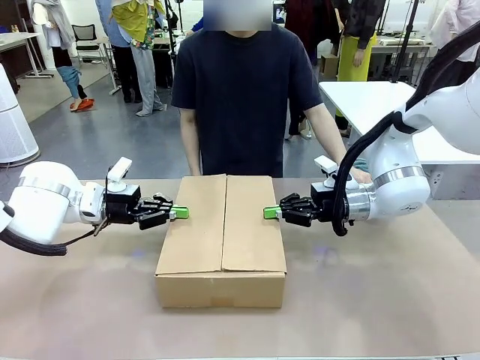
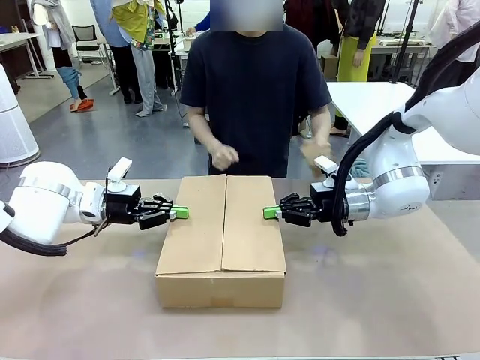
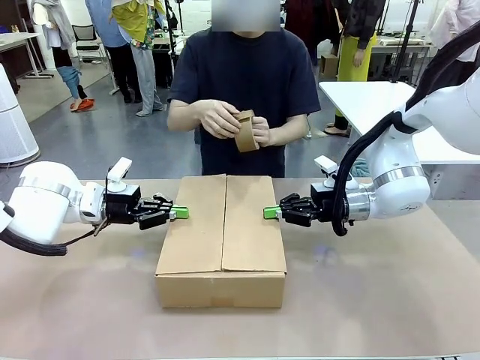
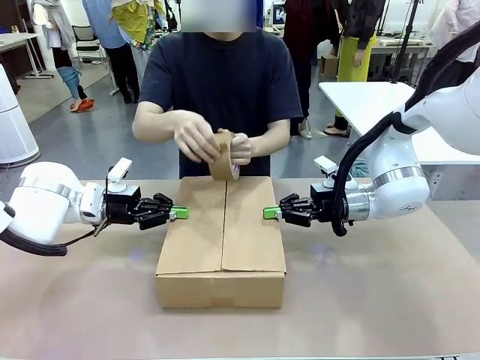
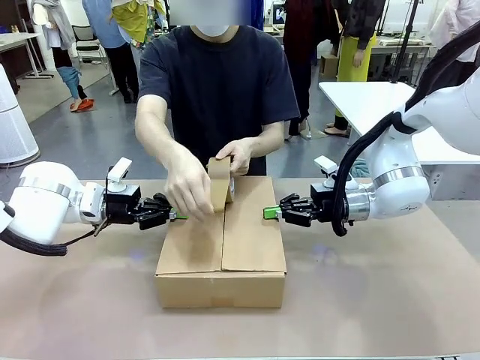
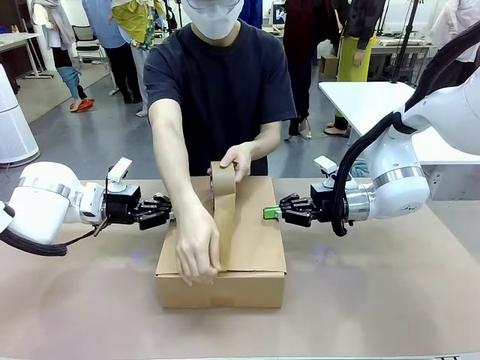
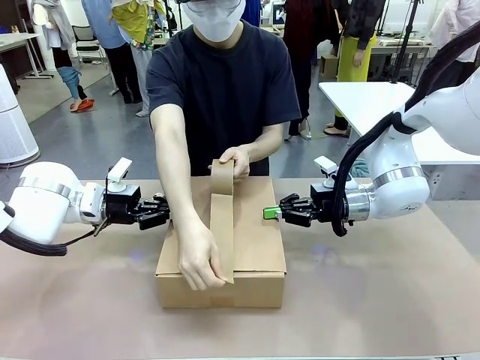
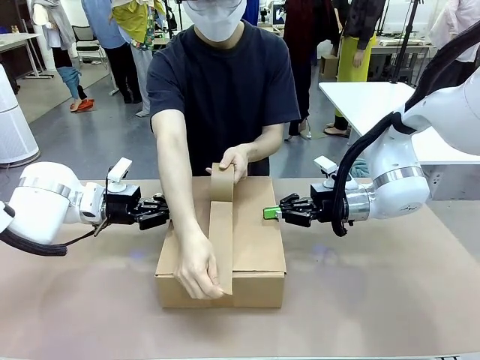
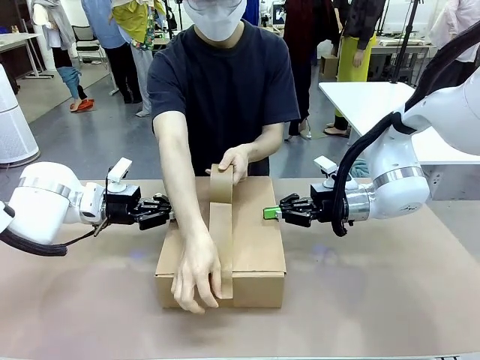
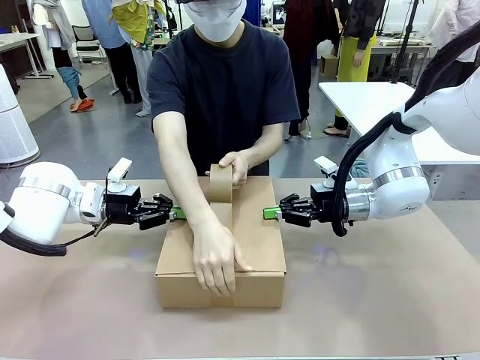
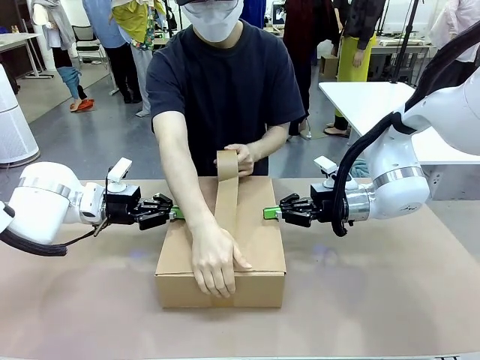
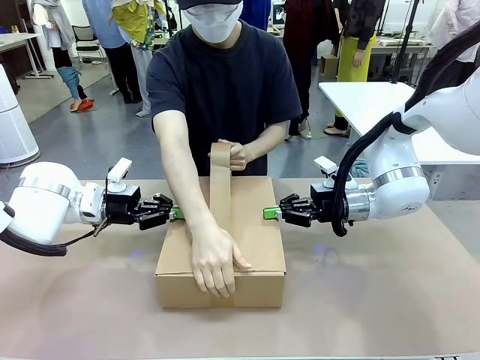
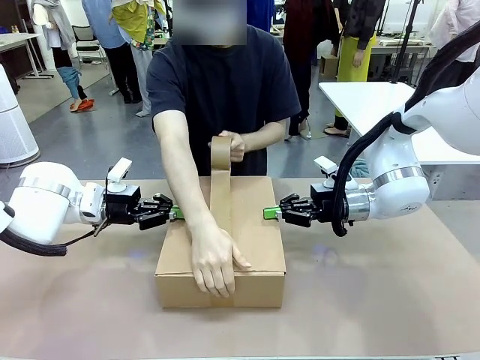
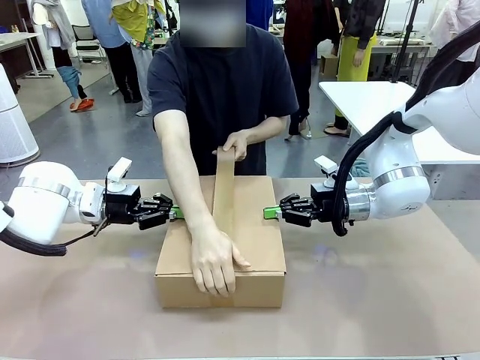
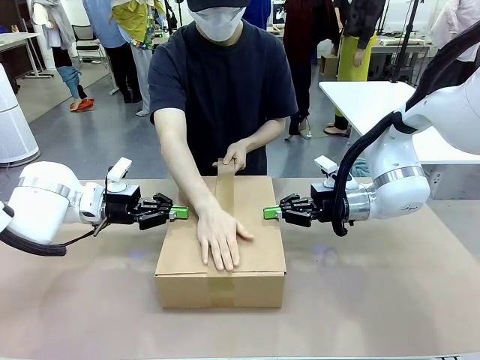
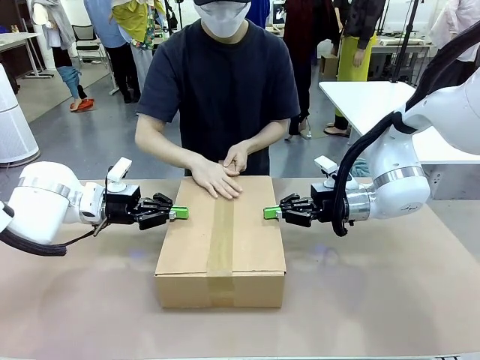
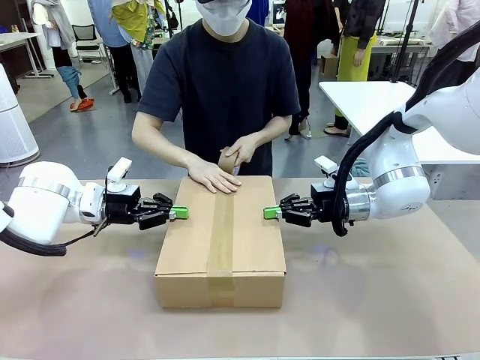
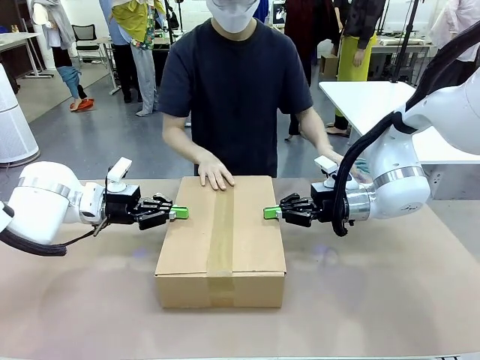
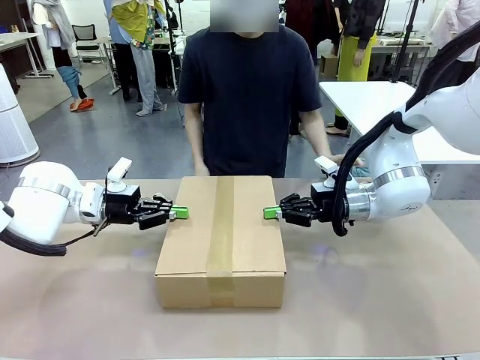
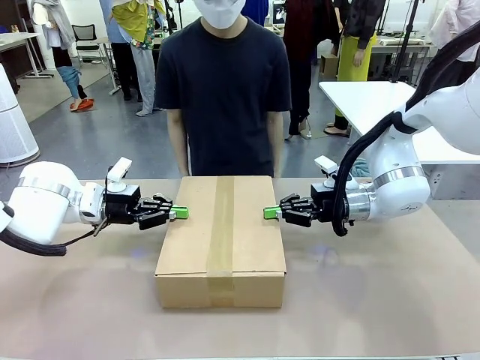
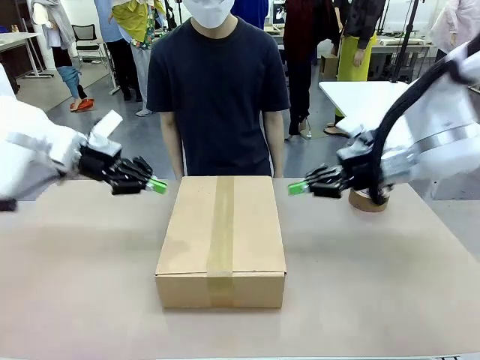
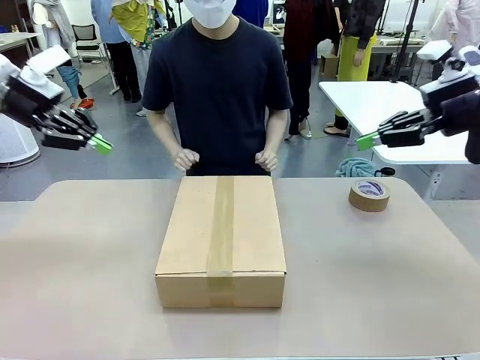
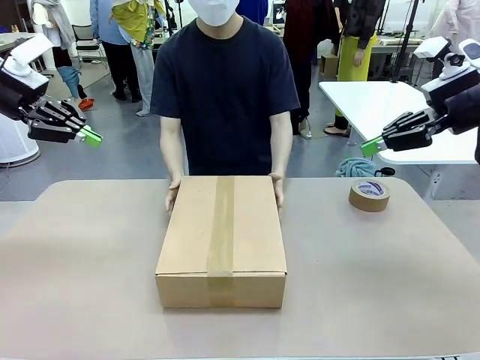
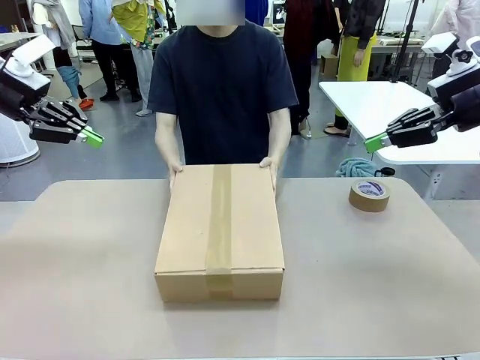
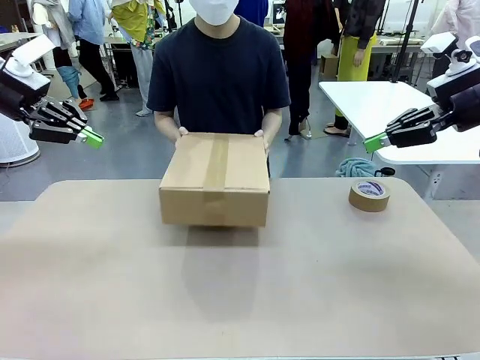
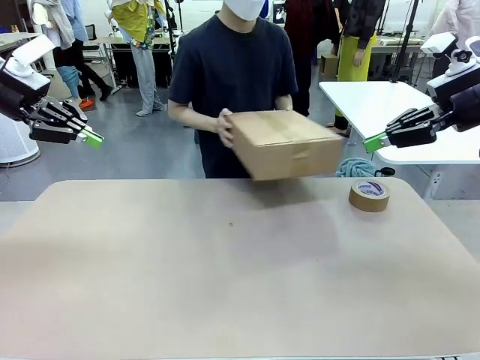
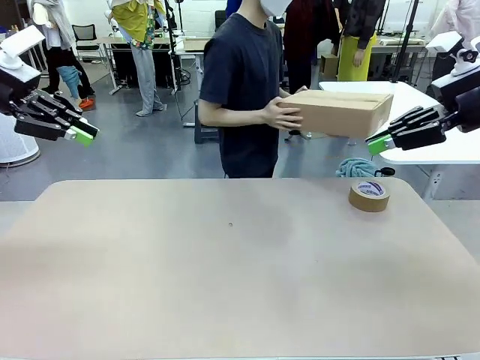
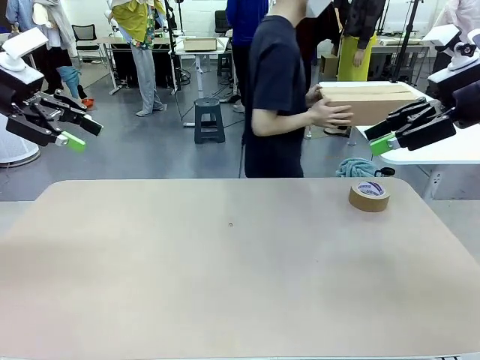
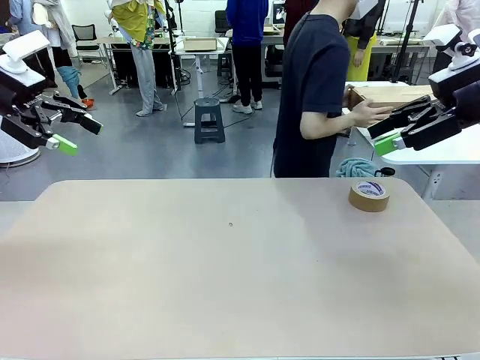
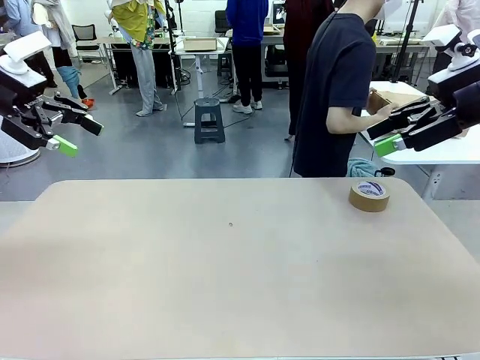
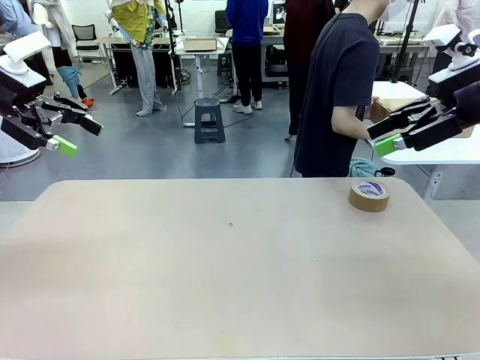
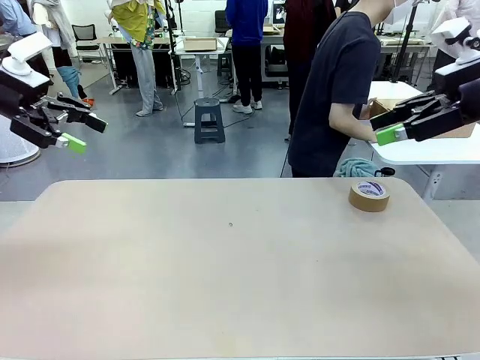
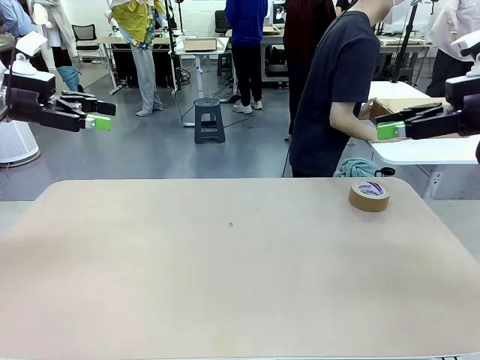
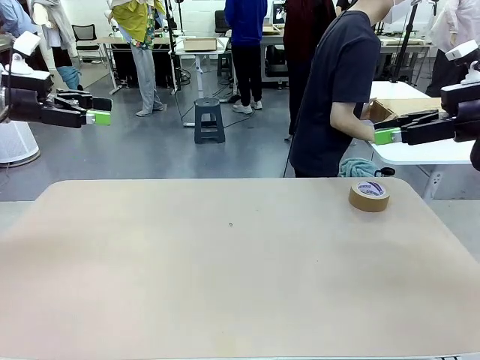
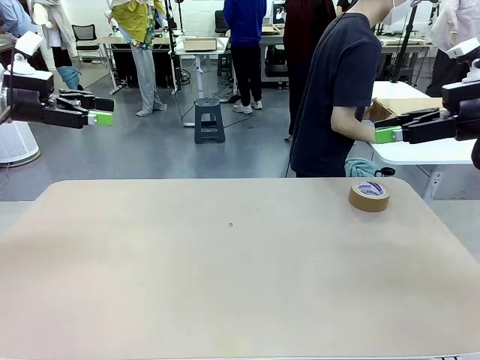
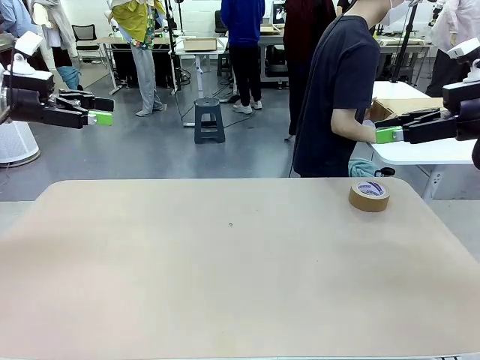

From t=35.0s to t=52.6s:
Task: Wrap the clocks to prevent damage.
Robot: After the human seals the box with tape, release both hands from the side flaps of the Package Box.
Person: Once the robot closes the left flap of the Package Box , seal the box with Paper Tape. Place sealed Package Box in the middle of the human's table.

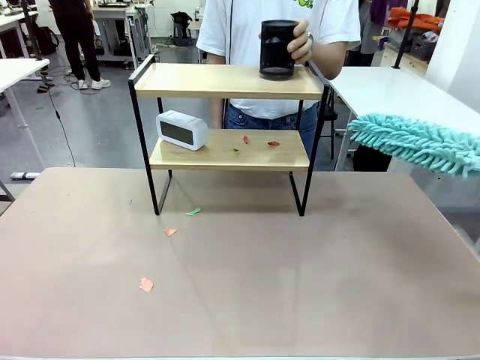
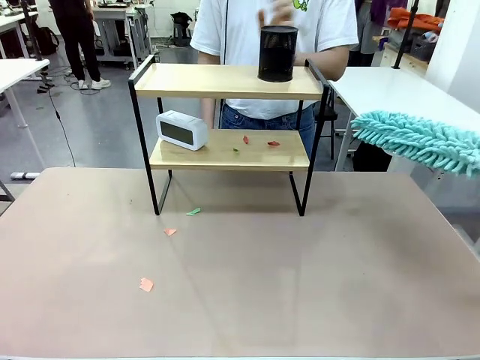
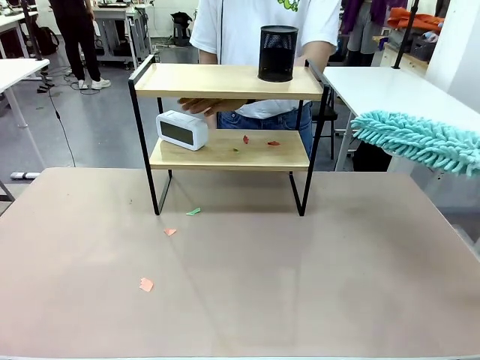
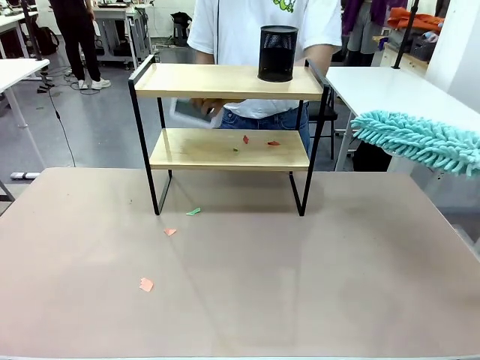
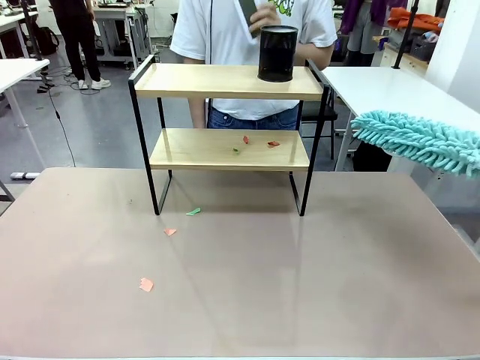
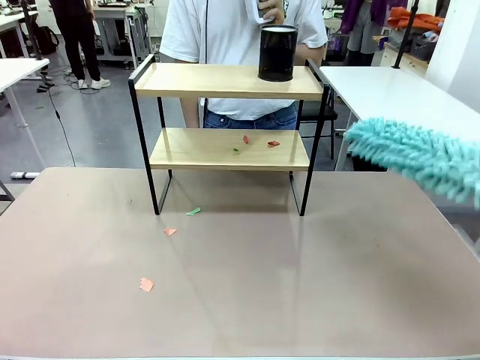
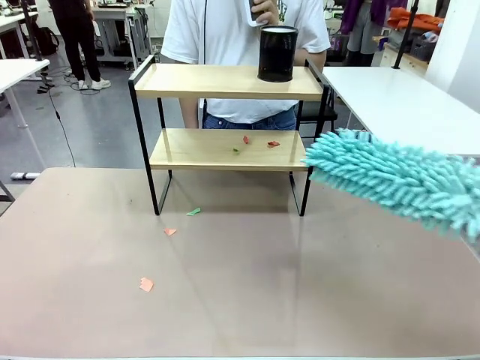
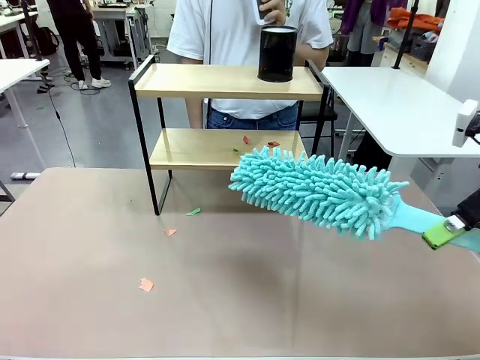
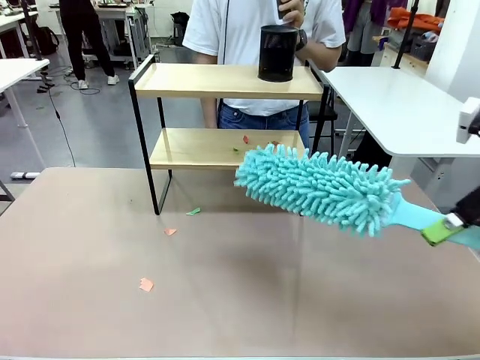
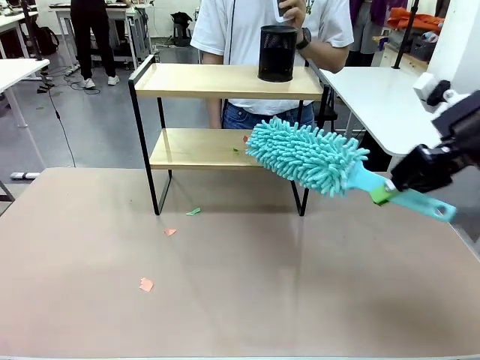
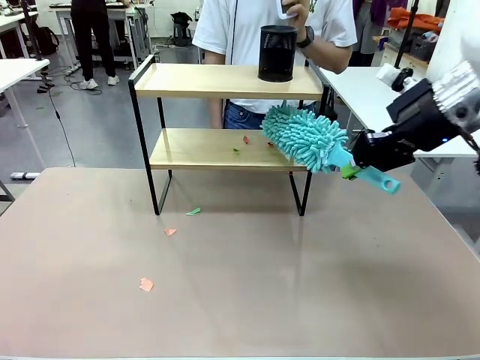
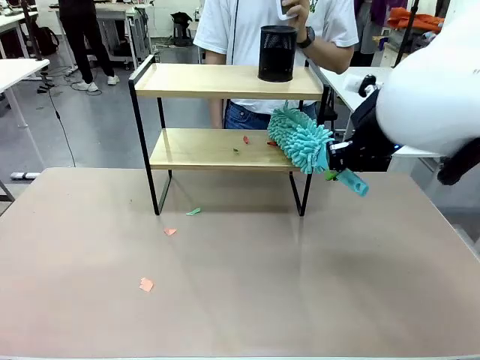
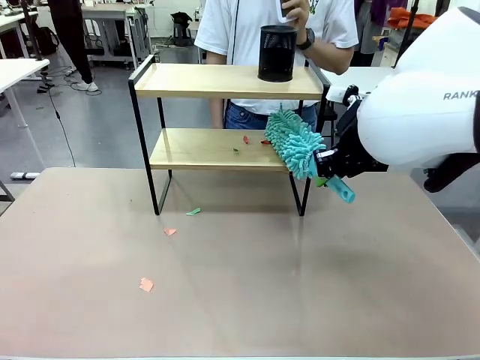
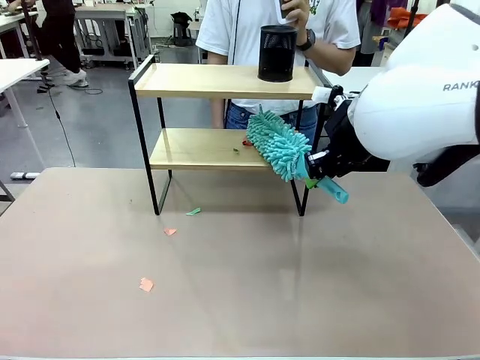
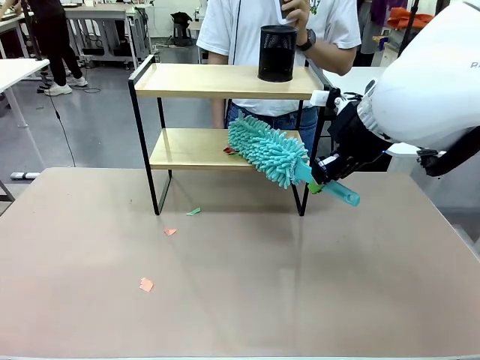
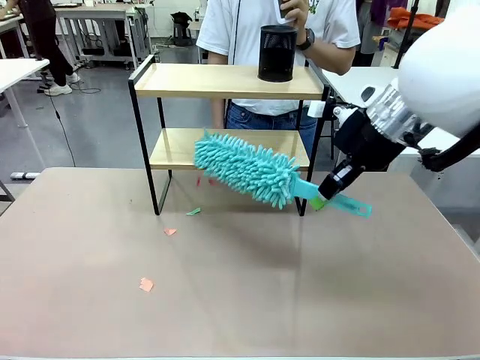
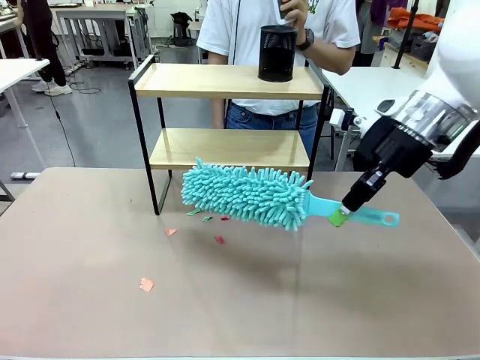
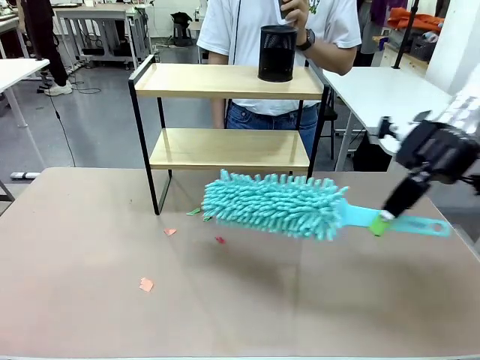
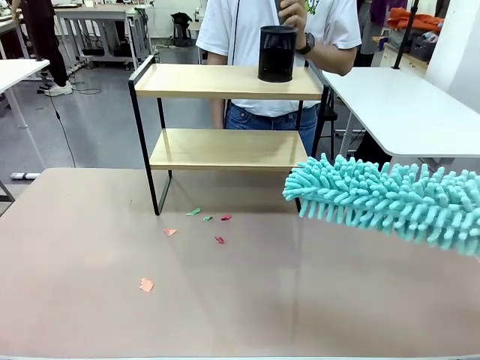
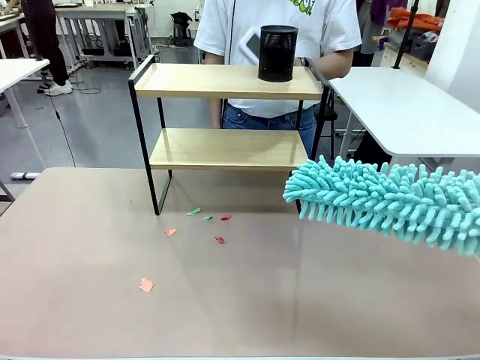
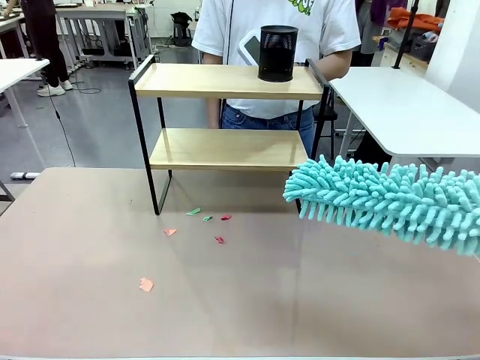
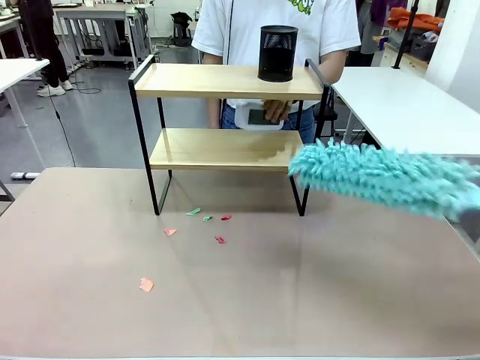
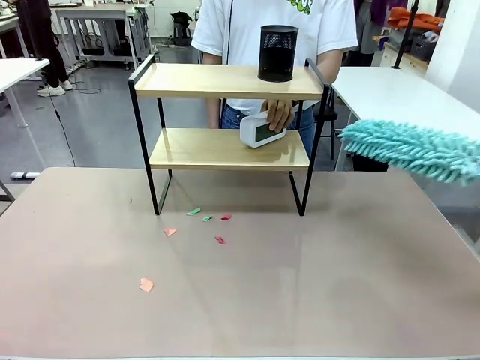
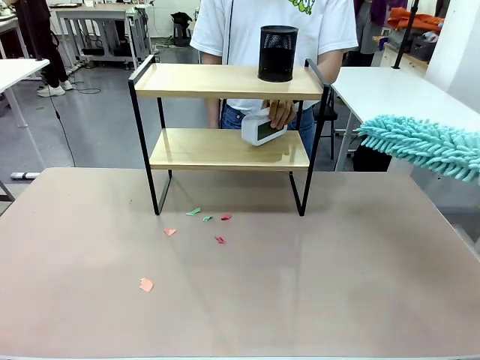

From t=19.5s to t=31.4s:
Task: Clean the shelf.
Robot: Clean the remaining tier of the Shelf with the Duster once objects are removed.
